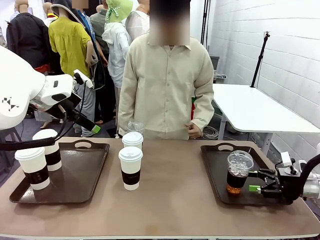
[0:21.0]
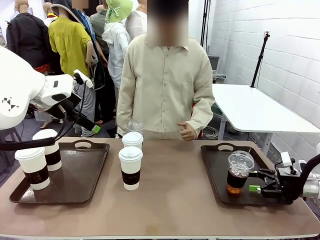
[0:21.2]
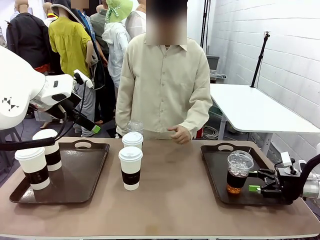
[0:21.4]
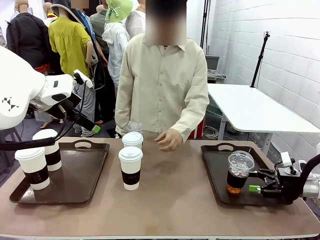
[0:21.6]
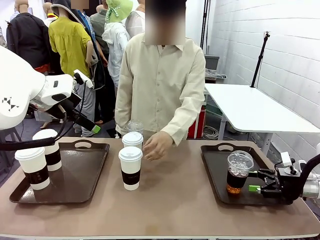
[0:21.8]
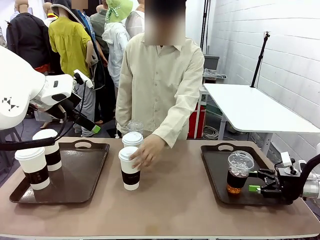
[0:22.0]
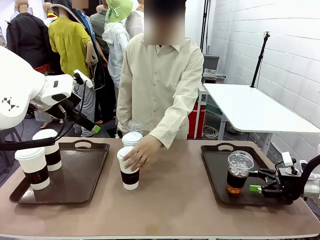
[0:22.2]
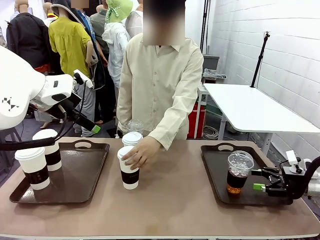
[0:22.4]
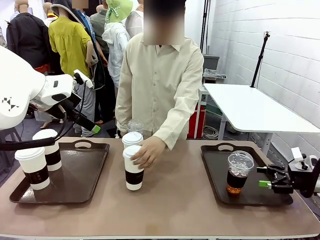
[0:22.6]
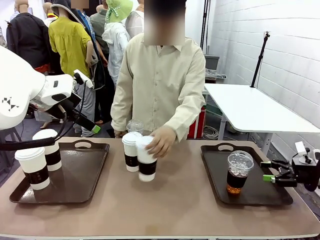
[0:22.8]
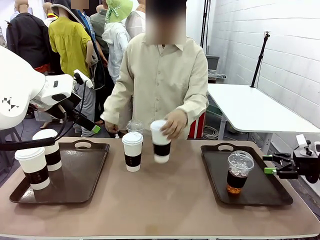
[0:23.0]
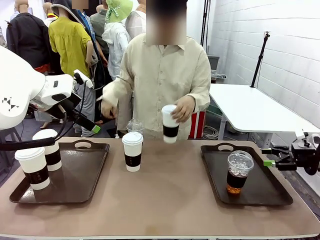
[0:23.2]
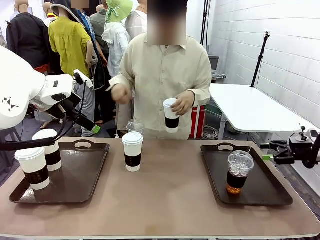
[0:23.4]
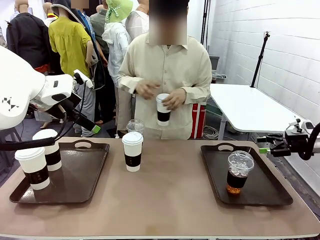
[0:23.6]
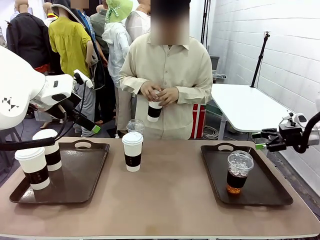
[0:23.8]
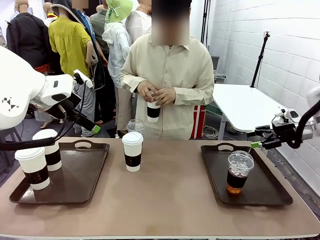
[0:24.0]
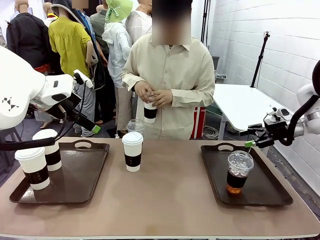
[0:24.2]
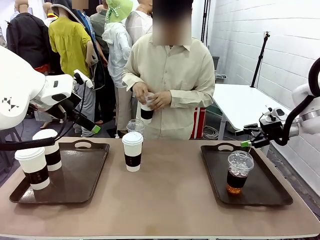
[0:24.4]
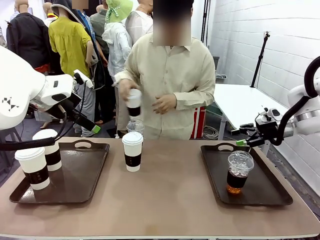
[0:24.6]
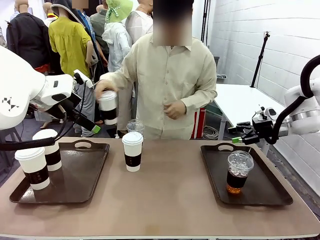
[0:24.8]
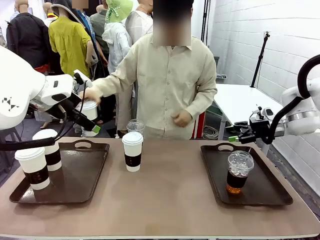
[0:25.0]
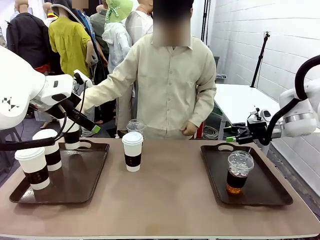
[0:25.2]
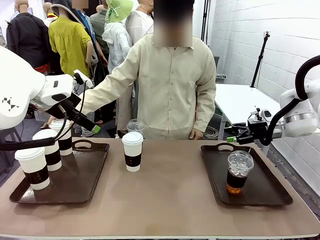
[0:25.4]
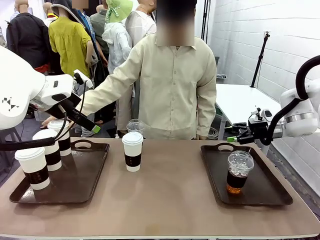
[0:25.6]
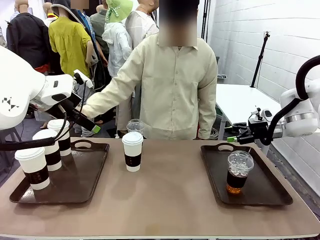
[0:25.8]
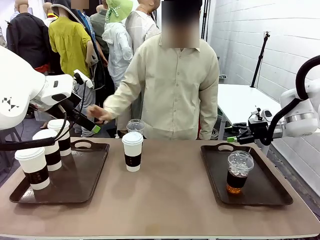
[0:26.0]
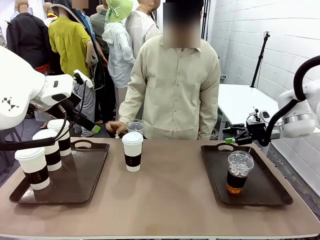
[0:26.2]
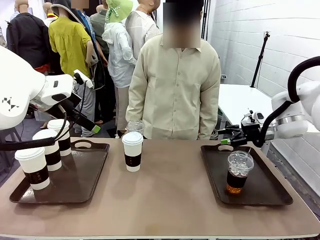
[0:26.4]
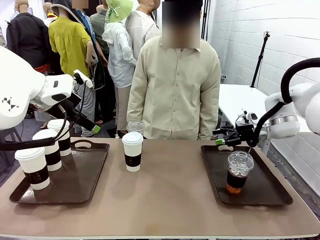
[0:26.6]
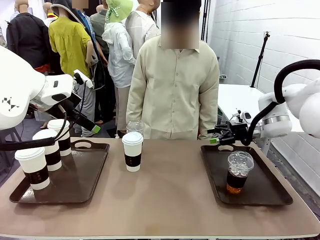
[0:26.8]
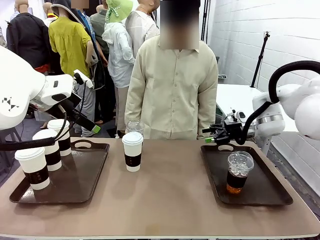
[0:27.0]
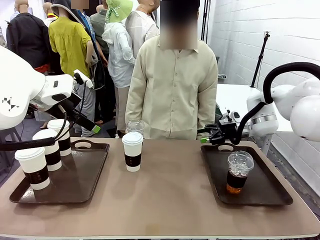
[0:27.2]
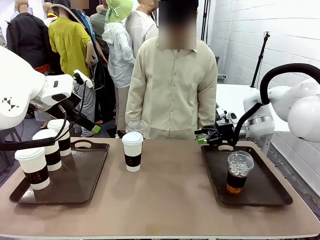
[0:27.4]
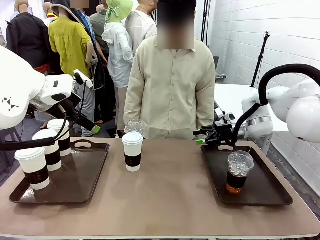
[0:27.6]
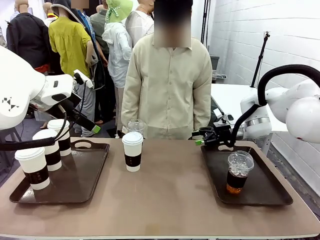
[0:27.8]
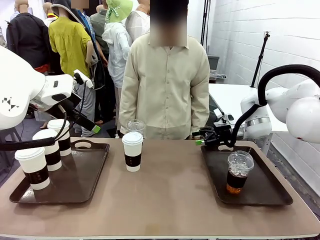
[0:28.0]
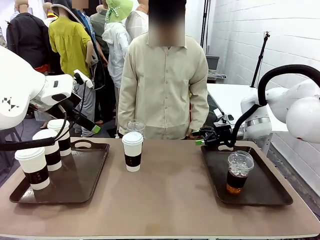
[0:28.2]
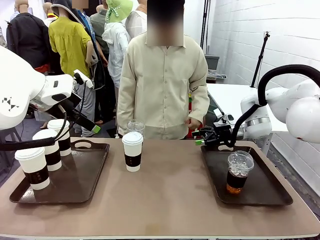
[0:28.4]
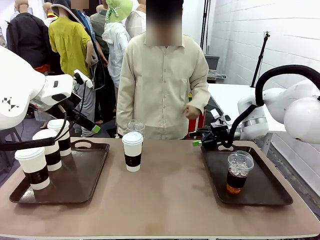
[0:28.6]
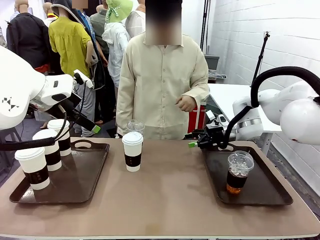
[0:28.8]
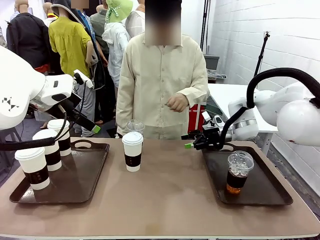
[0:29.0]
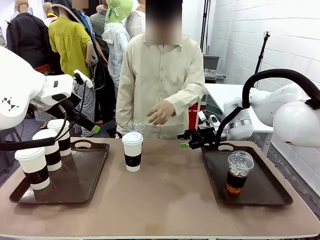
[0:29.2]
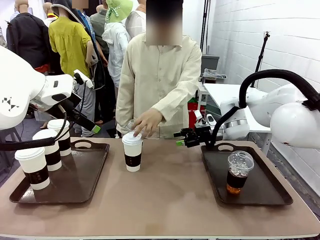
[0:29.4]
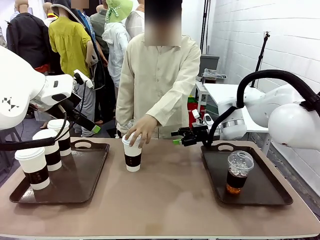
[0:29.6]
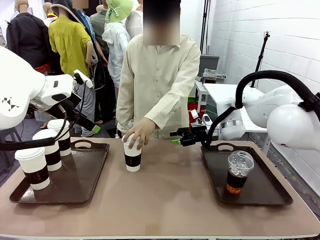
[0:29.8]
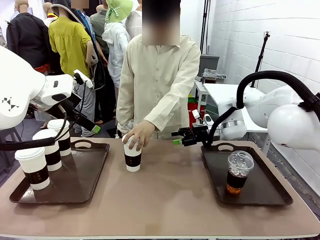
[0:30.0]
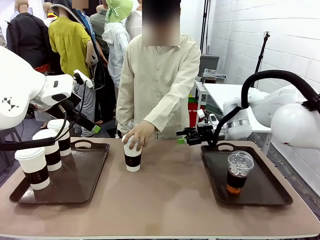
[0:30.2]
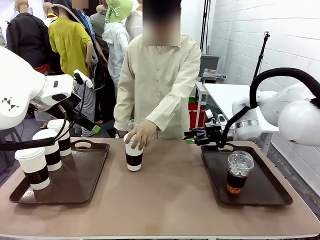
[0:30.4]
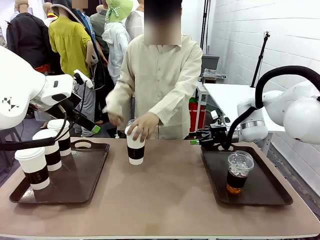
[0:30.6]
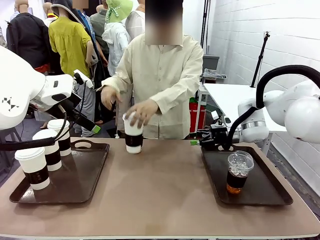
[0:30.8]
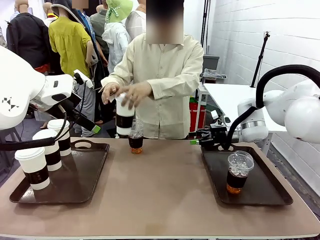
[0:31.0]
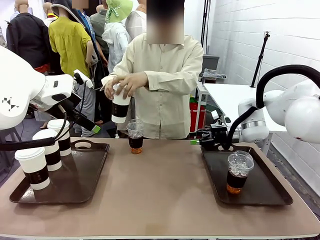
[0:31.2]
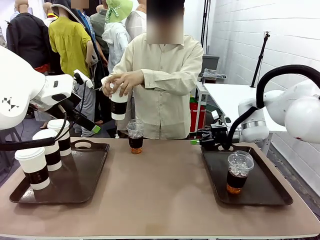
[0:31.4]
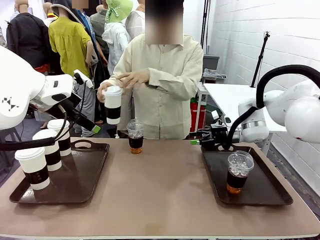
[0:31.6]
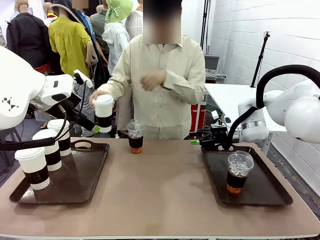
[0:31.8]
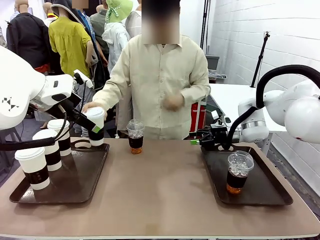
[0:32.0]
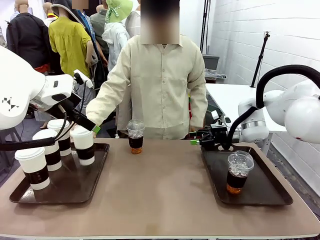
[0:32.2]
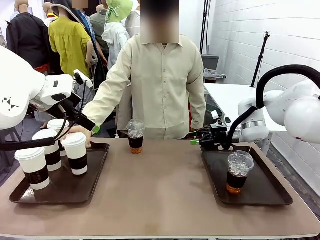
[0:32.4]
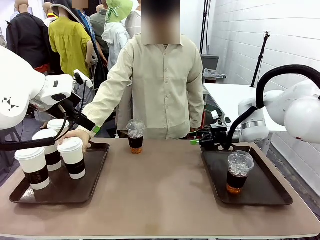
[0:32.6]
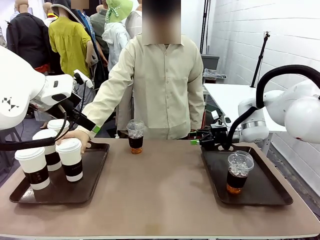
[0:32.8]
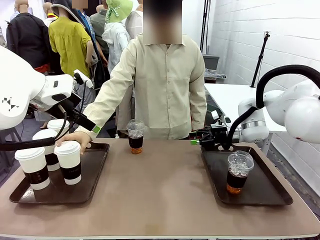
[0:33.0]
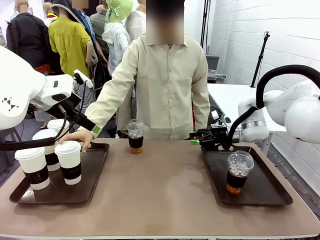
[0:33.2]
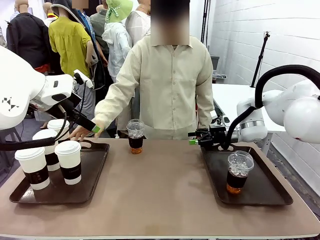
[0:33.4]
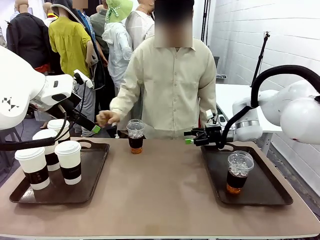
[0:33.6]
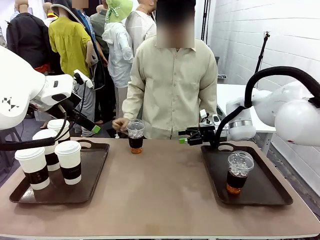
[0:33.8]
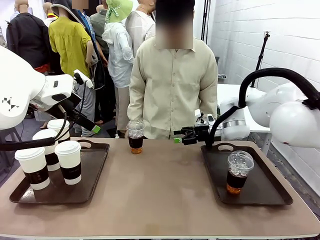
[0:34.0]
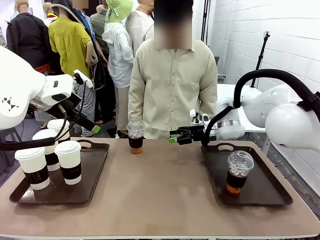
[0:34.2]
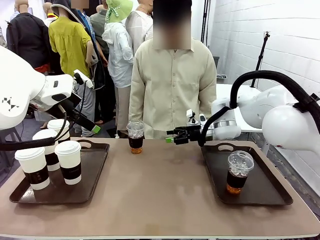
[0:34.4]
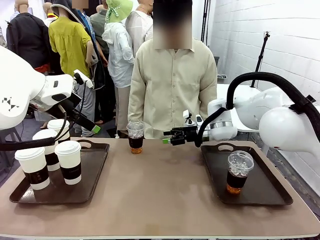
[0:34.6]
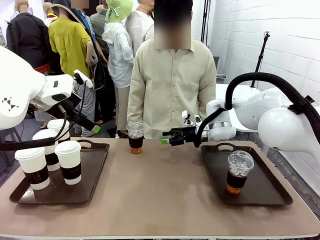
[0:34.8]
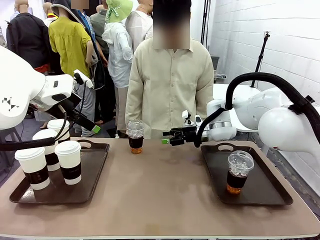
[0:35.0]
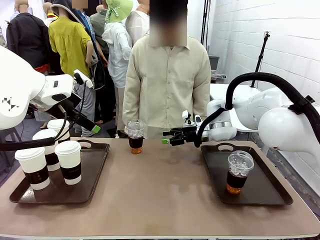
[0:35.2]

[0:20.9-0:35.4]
Task: Distribute the coffee onto the tray.
Robot: Pick up another iced Americano from the middle of the table and place it on the right Handle tray.

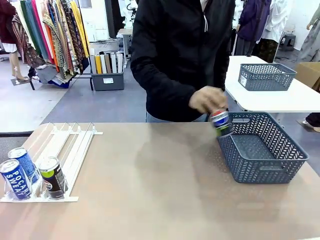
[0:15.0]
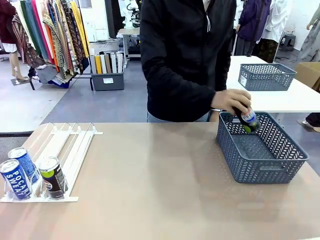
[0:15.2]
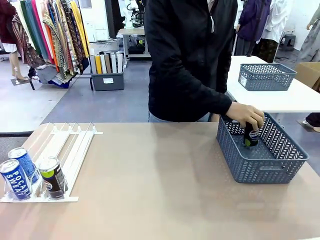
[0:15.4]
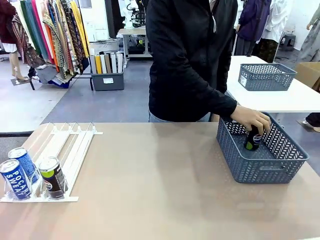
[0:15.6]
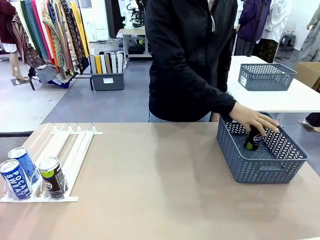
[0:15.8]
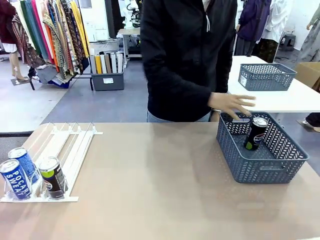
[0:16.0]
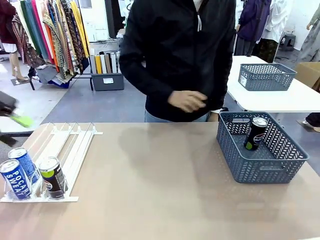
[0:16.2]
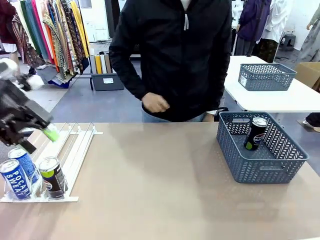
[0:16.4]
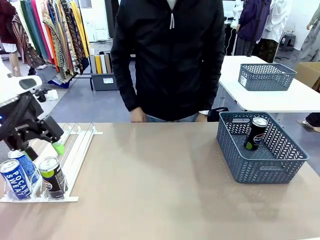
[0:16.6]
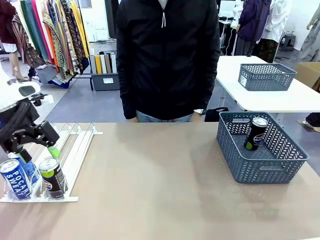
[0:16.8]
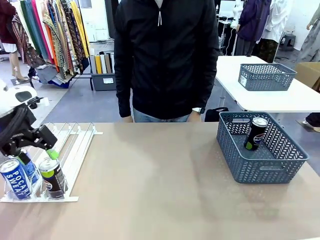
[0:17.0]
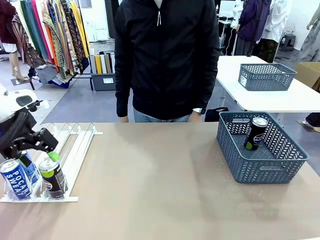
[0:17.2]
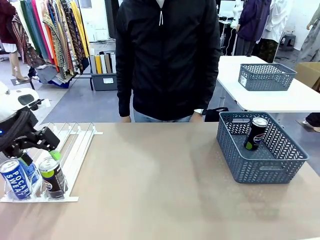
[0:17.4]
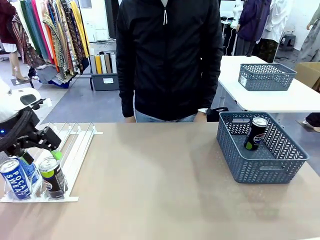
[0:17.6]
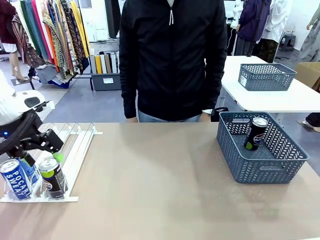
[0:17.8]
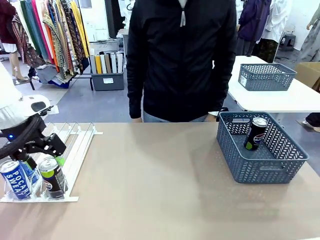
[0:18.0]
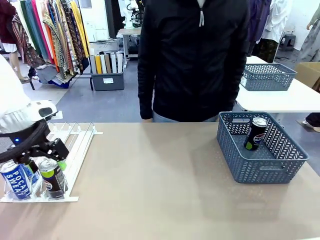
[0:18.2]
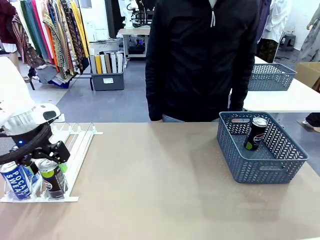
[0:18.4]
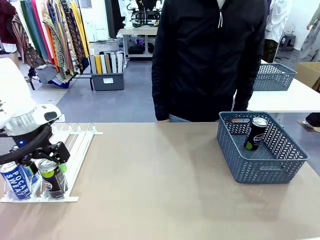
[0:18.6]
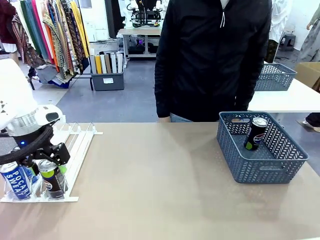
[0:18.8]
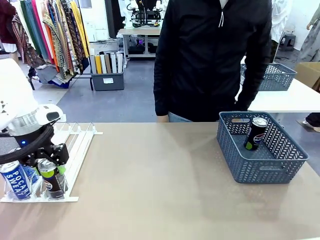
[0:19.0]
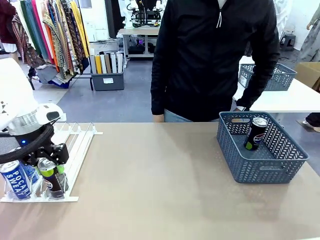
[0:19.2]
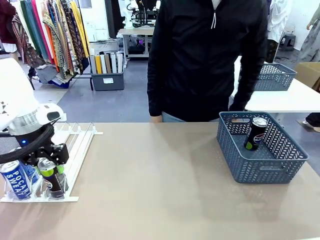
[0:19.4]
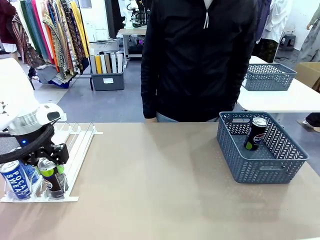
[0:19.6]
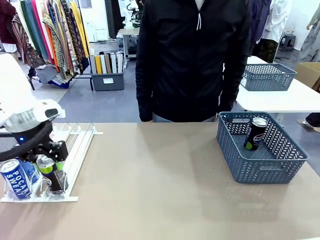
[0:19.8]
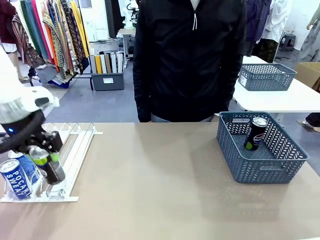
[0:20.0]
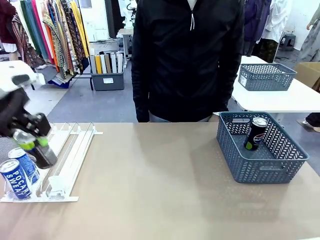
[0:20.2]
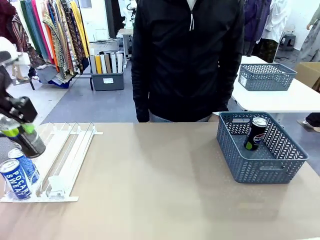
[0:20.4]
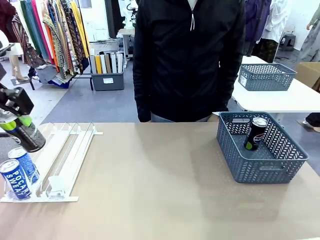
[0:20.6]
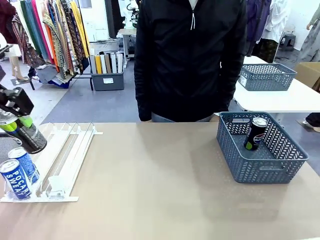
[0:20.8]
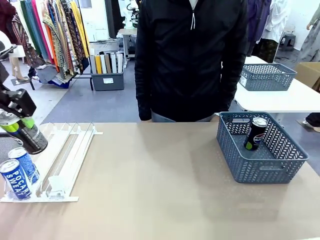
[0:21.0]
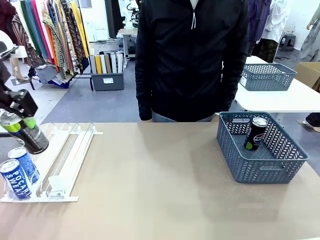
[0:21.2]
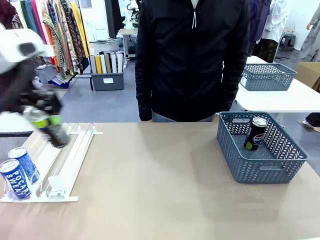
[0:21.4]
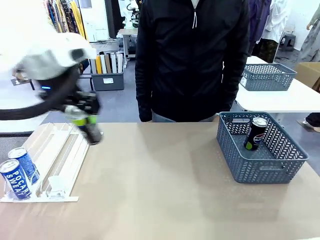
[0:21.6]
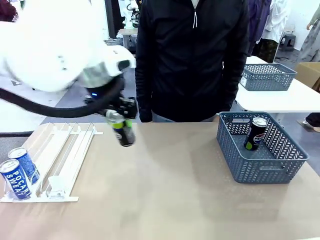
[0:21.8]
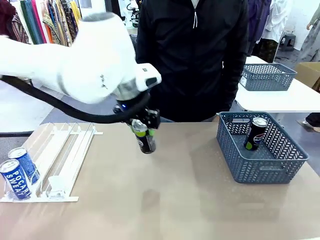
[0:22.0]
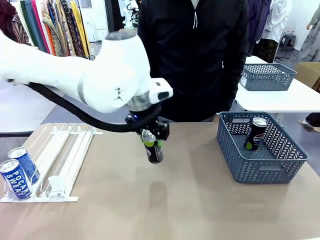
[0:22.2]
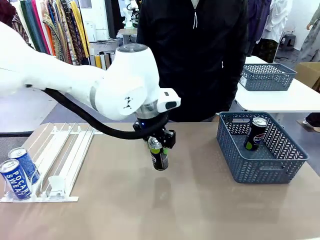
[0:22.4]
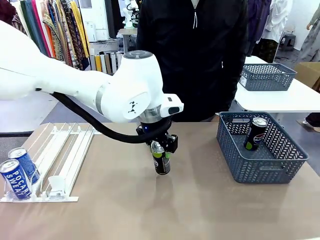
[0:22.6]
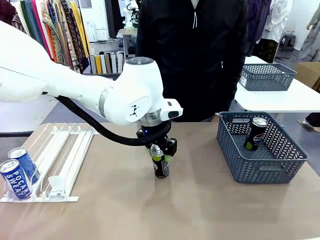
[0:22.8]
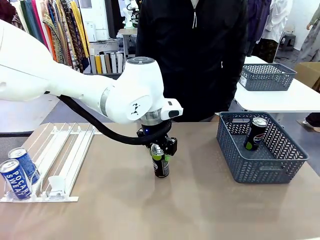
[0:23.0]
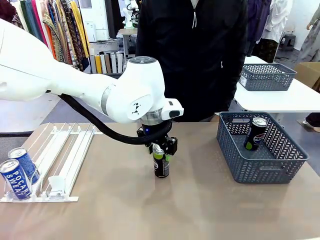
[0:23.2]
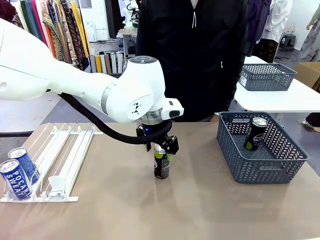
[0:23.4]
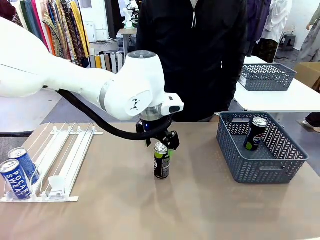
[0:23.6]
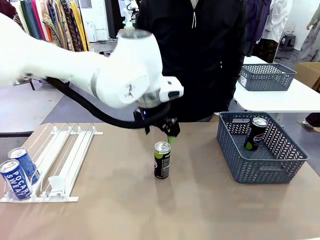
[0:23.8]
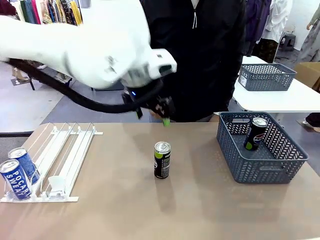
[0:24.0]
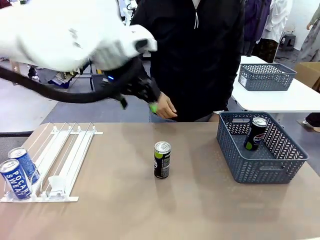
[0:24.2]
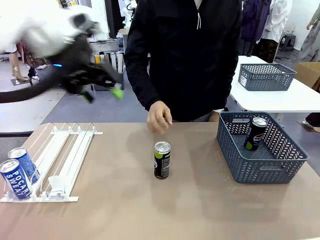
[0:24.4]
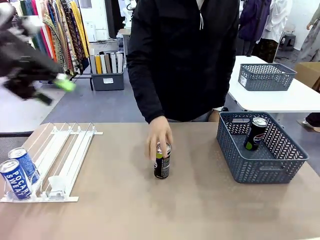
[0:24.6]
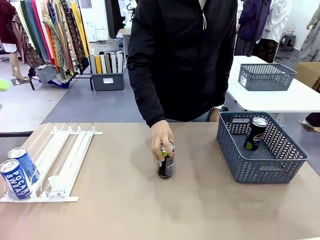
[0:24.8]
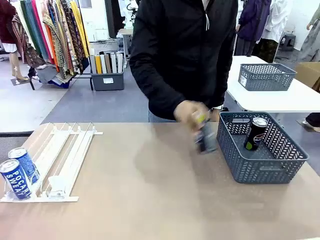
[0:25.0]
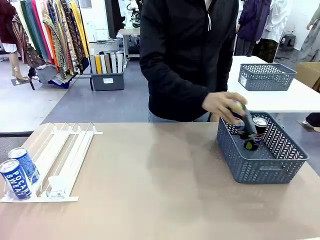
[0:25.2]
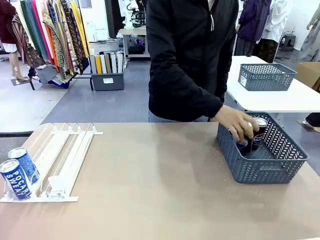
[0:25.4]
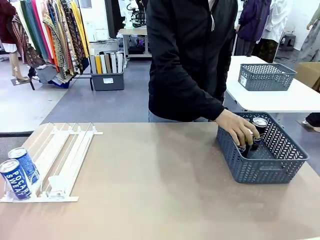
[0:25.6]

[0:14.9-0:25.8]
Task: Retrieve and store the cans from the dispenser.
Robot: Pick up the last remaining can from one row of the Automatic Can Dispenser and place it in the middle of the table.
Person: Pick up one Pepsi can from the middle of the robot table and place it in the basket.
